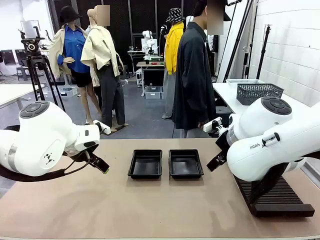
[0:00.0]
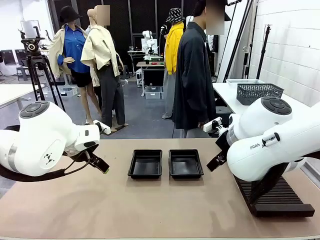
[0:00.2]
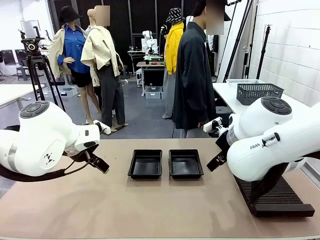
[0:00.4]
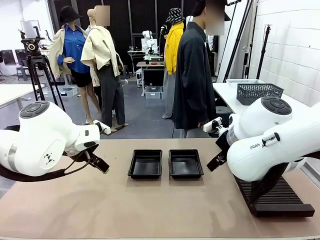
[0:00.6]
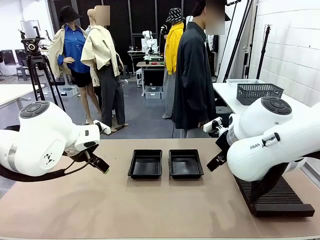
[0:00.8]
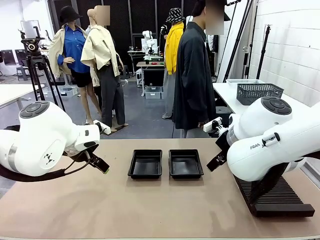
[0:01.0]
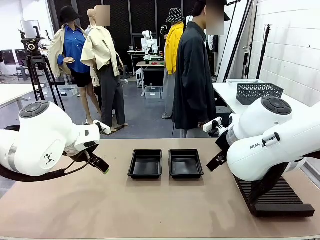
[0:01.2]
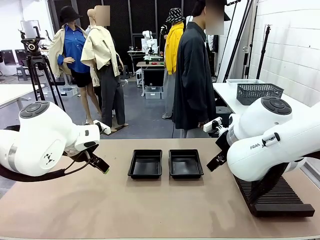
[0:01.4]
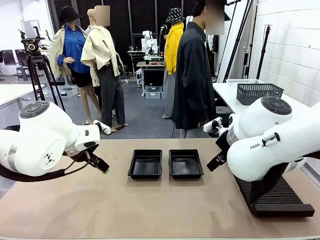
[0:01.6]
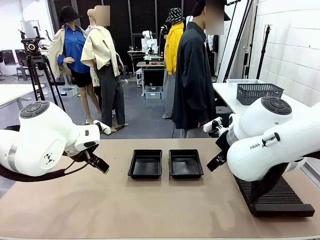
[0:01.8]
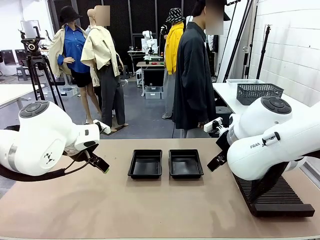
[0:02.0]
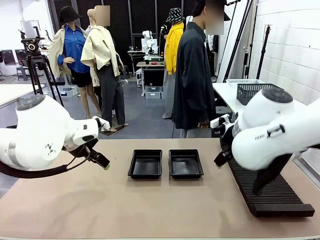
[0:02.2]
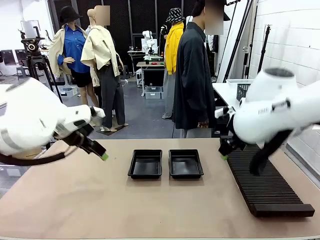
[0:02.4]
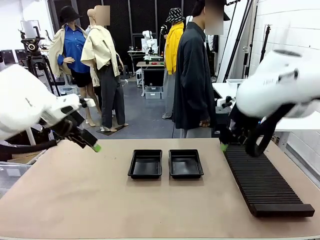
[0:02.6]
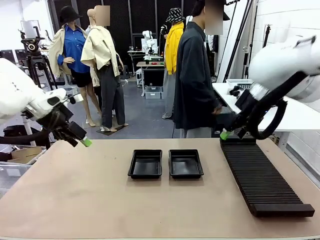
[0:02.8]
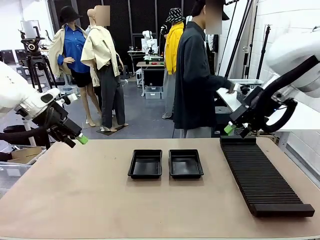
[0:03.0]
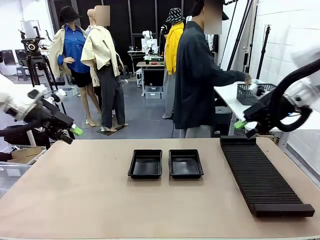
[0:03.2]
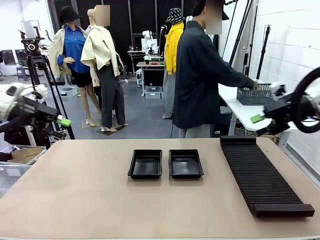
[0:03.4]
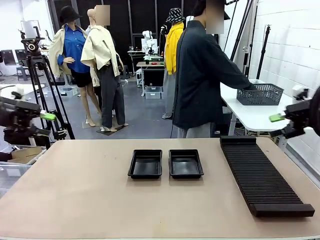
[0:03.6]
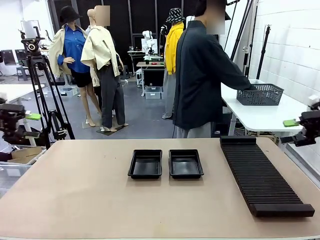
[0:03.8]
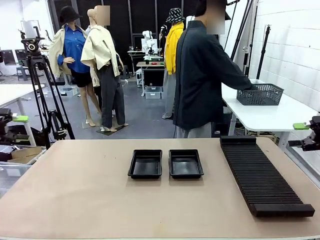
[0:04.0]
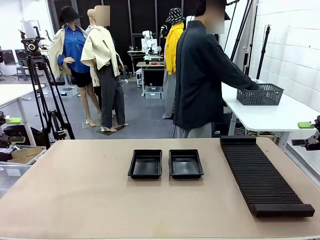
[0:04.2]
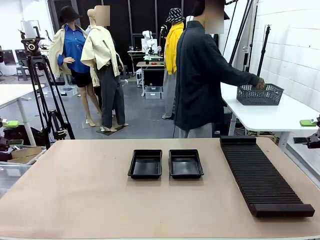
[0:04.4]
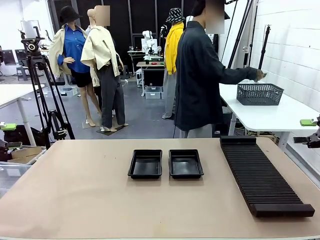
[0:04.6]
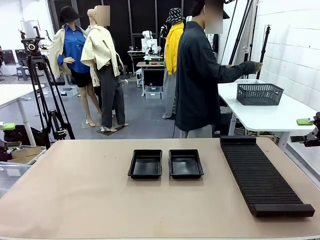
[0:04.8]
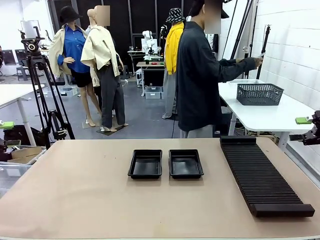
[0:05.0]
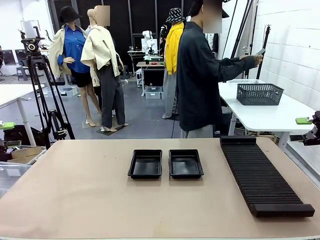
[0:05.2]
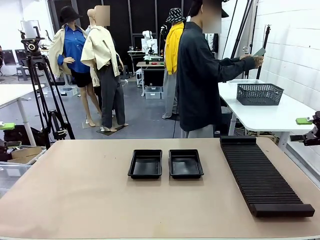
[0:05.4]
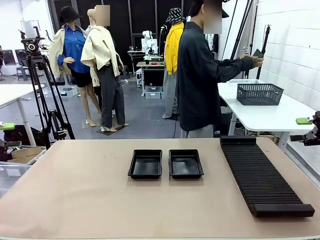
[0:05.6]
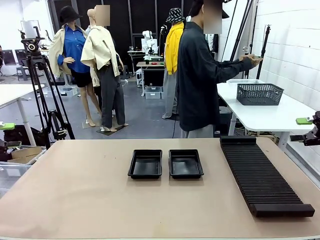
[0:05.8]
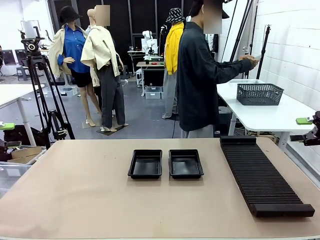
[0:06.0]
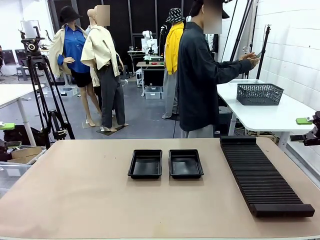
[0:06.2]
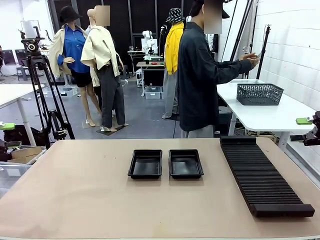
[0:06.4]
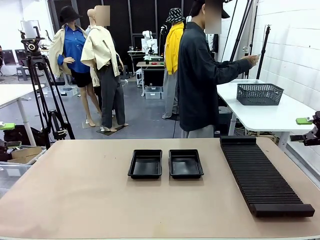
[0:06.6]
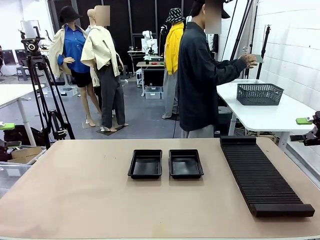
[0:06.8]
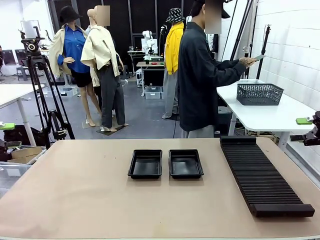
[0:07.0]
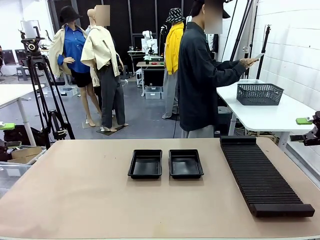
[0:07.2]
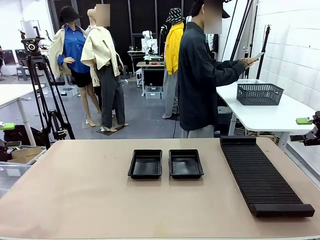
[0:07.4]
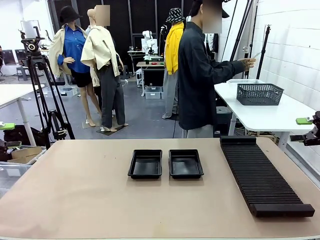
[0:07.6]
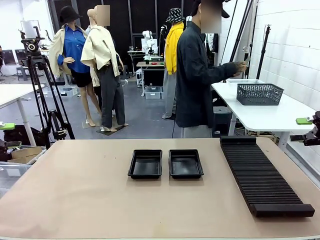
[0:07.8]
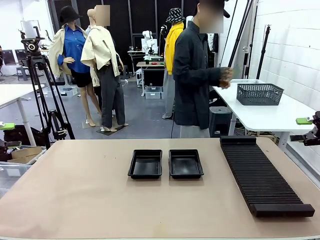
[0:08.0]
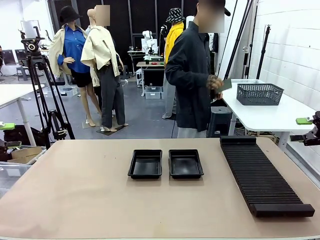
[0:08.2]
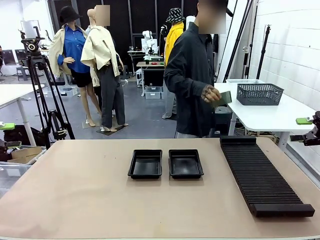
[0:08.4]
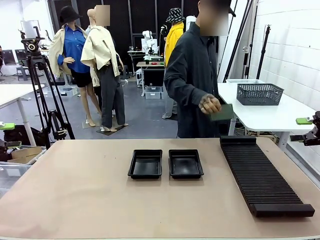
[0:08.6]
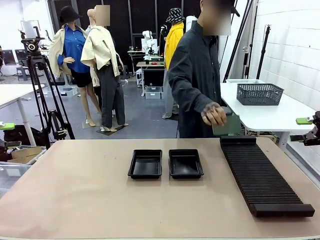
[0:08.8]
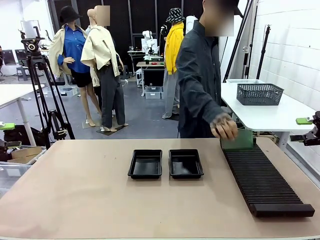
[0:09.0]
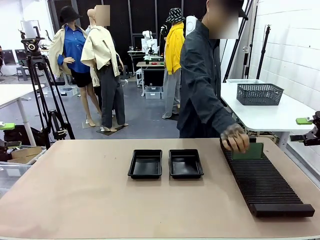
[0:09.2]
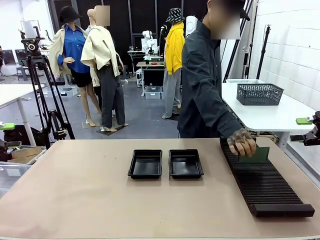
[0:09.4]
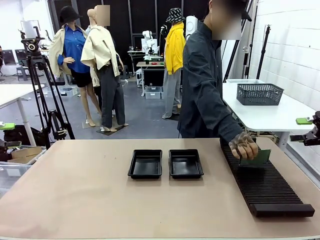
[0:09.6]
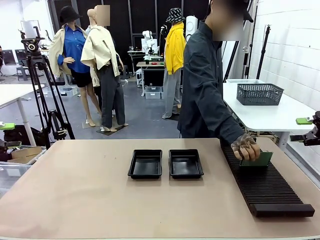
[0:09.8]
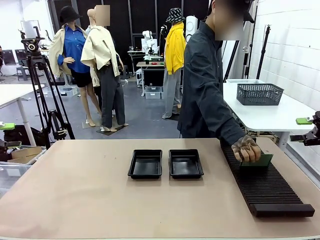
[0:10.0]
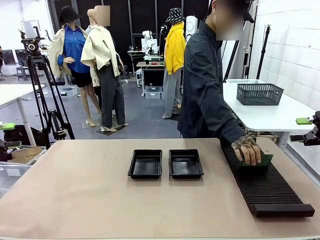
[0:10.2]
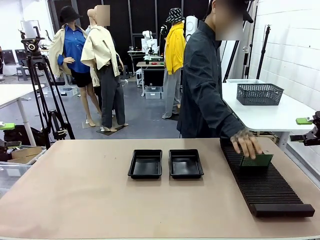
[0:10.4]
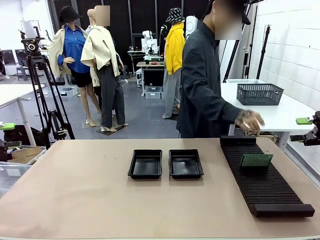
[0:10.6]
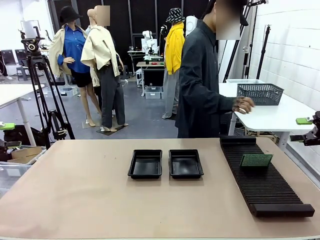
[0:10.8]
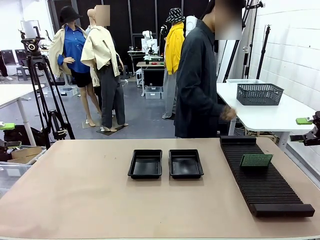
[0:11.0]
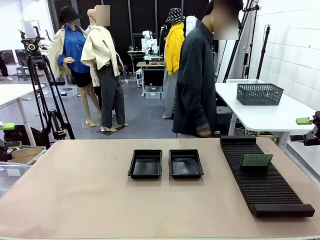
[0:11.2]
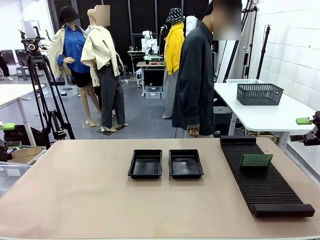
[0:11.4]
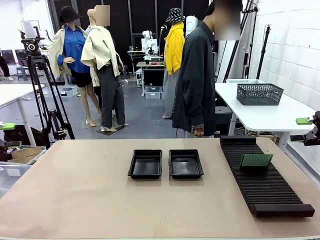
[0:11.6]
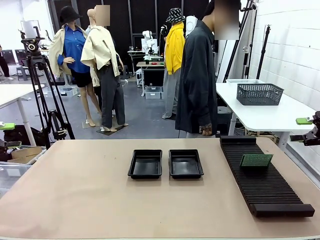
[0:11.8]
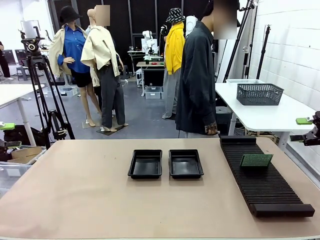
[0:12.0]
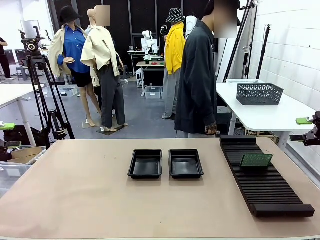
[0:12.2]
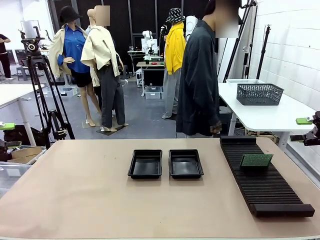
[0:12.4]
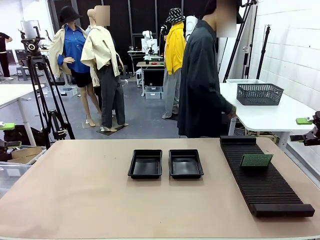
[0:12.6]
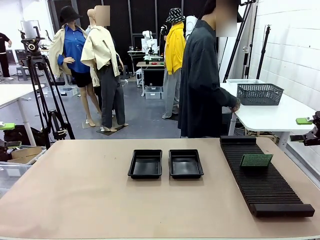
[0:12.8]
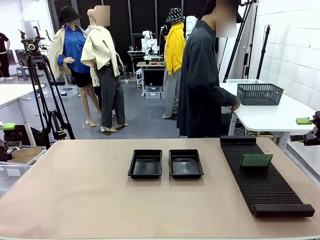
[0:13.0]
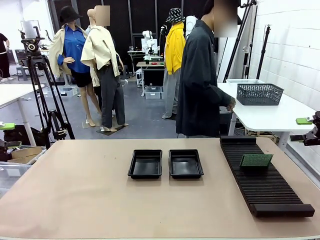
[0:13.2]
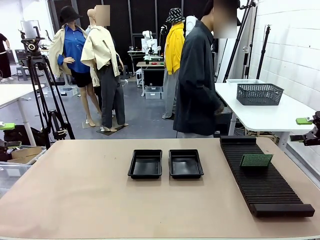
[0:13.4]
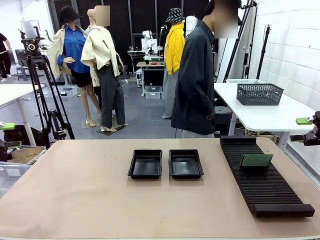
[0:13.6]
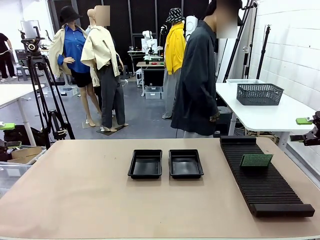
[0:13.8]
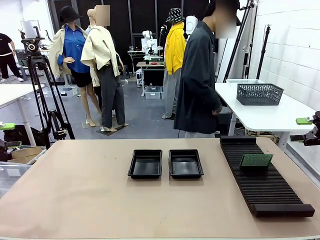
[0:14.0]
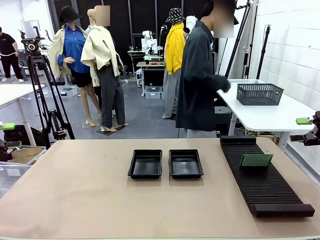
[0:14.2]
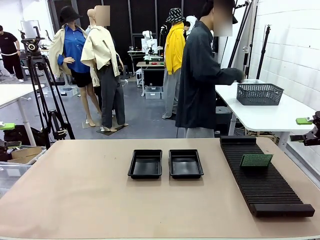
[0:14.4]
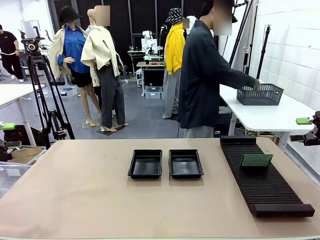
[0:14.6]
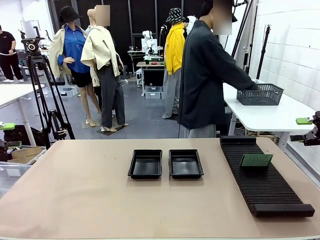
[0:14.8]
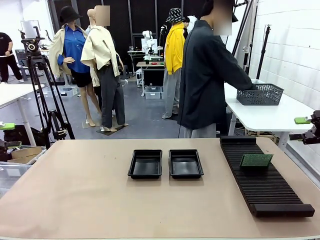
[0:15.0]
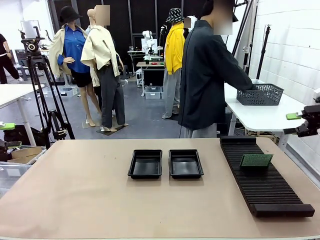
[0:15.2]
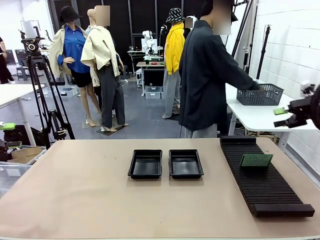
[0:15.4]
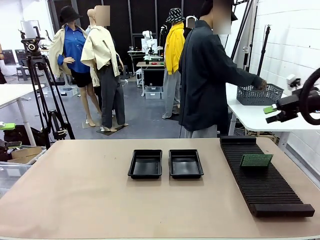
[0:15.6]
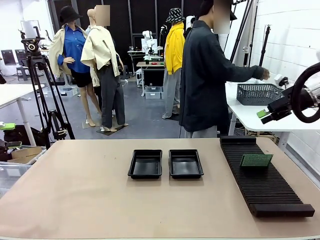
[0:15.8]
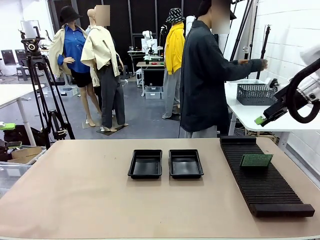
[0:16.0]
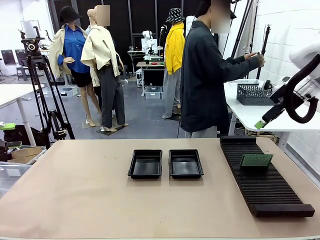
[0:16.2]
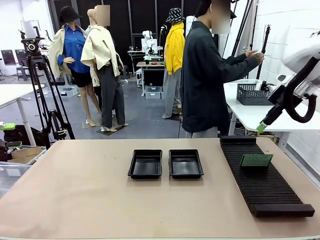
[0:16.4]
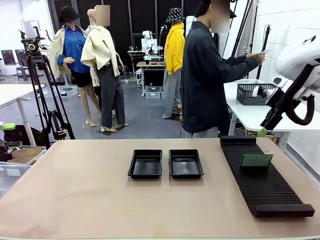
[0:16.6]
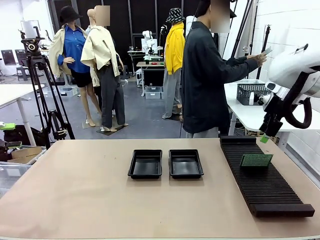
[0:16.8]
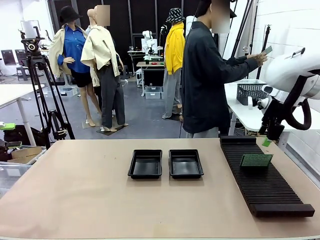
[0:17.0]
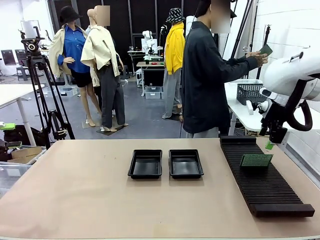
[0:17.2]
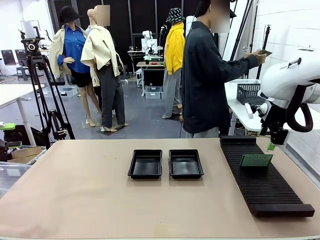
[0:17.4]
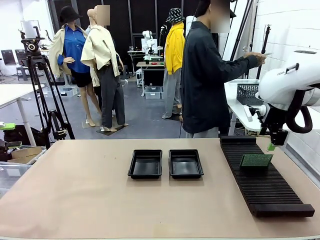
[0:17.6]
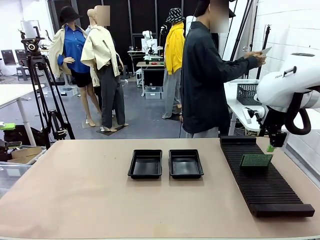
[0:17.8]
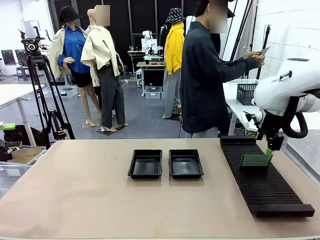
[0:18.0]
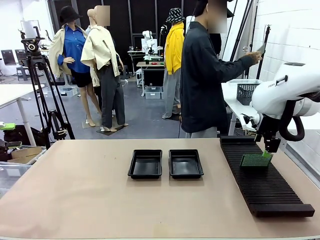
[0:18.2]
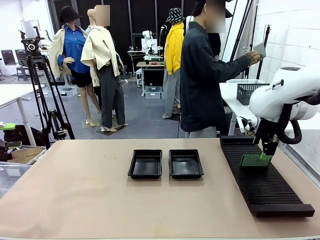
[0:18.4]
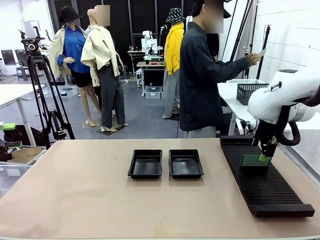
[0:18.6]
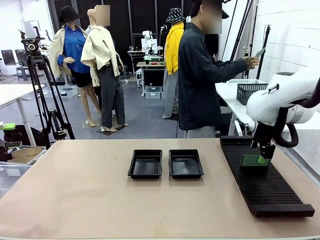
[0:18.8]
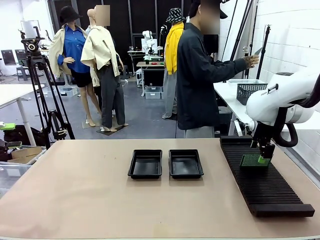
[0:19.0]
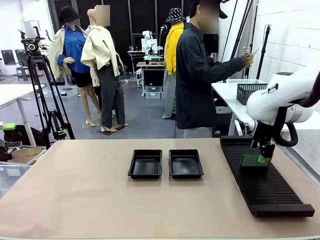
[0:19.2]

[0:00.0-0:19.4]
Task: Inspect and transfer BCBs to ESD trays.
Robot: Pick up the Blank PCB from the PCB Rack and place it in the left ESD tray.
